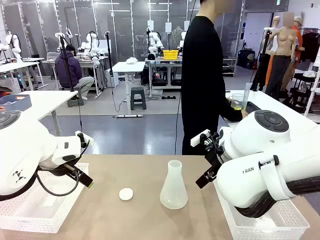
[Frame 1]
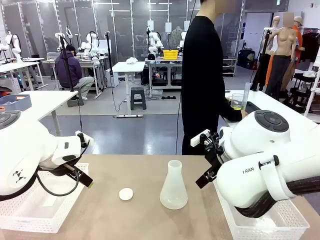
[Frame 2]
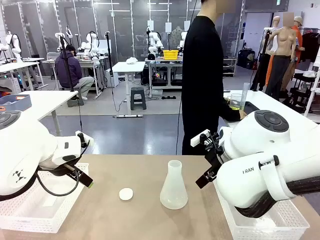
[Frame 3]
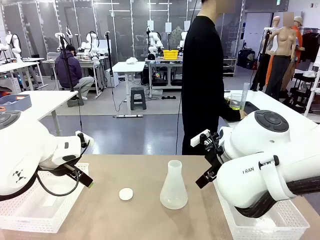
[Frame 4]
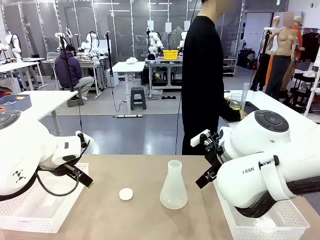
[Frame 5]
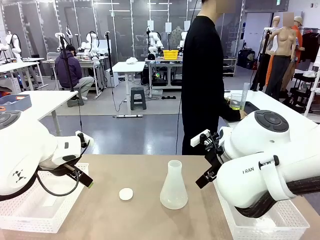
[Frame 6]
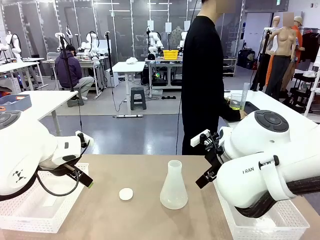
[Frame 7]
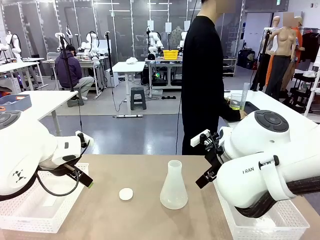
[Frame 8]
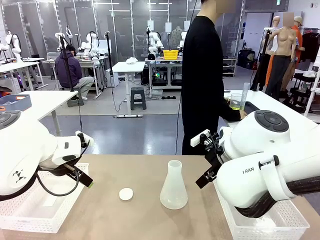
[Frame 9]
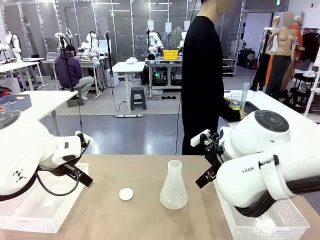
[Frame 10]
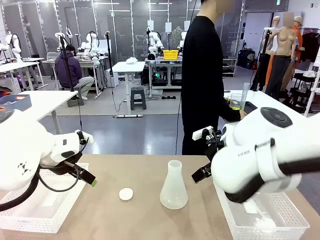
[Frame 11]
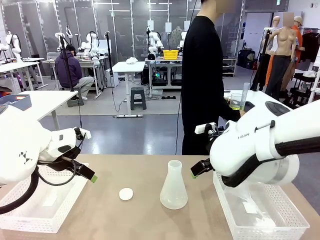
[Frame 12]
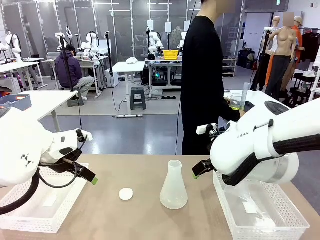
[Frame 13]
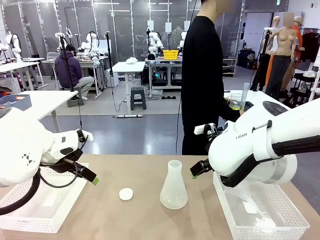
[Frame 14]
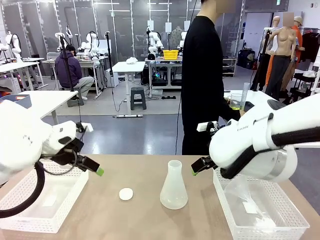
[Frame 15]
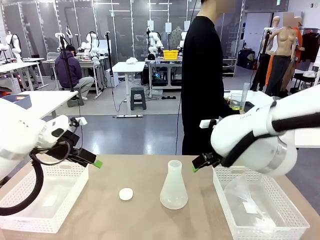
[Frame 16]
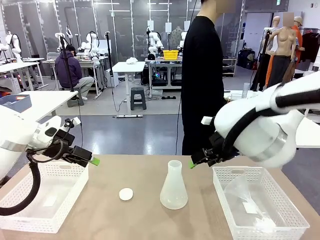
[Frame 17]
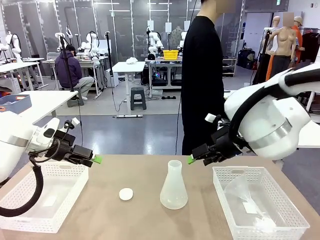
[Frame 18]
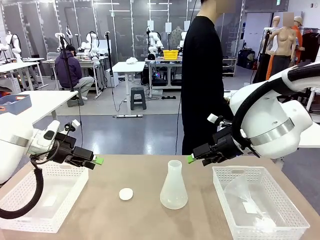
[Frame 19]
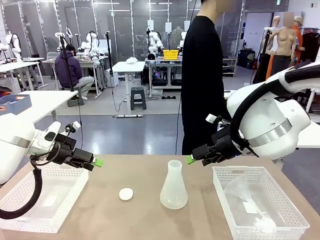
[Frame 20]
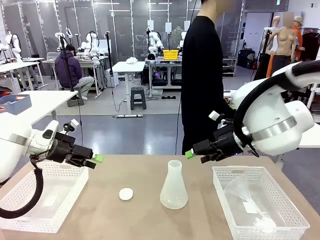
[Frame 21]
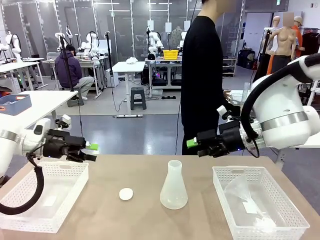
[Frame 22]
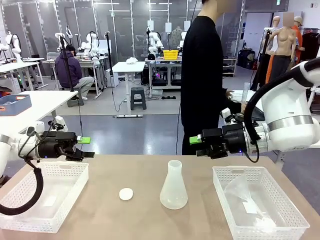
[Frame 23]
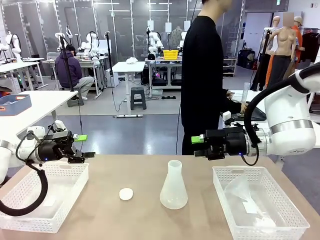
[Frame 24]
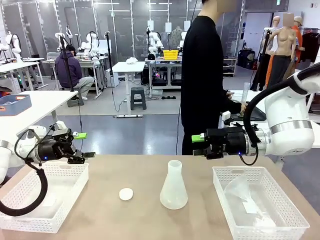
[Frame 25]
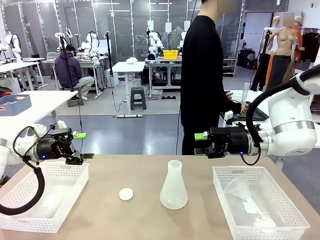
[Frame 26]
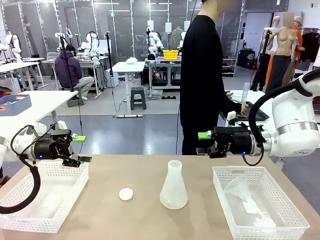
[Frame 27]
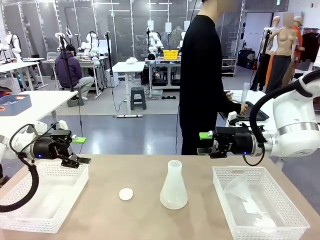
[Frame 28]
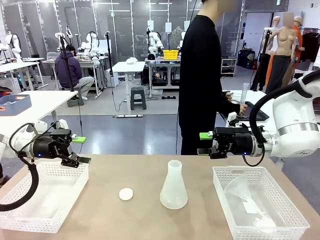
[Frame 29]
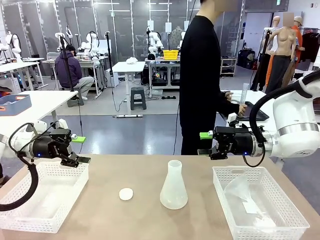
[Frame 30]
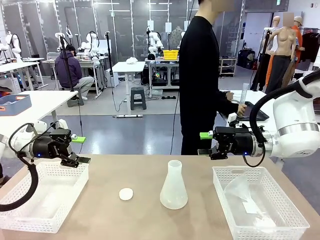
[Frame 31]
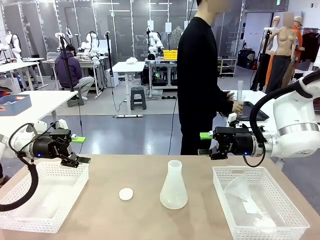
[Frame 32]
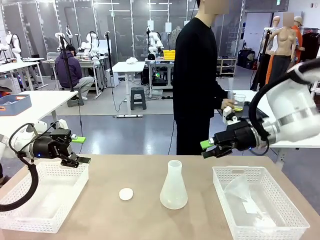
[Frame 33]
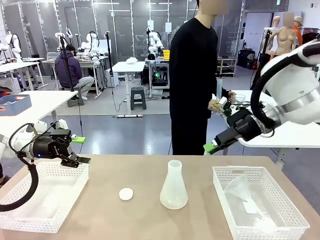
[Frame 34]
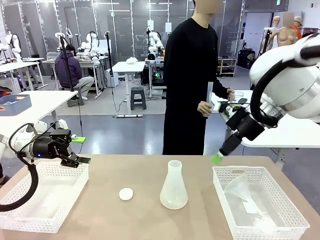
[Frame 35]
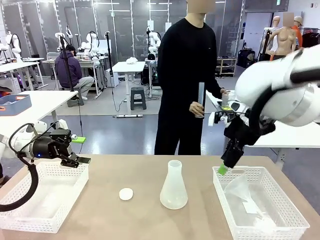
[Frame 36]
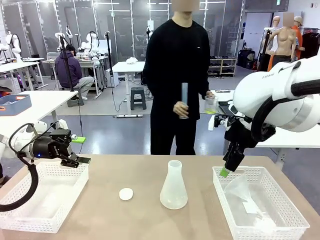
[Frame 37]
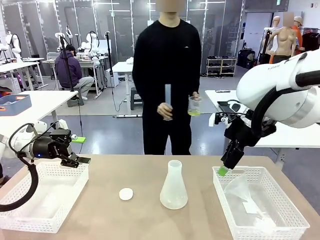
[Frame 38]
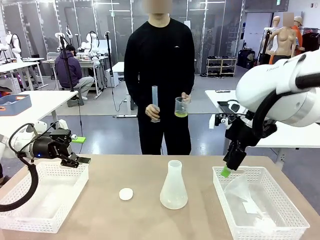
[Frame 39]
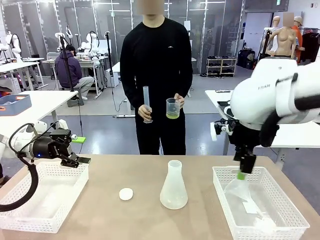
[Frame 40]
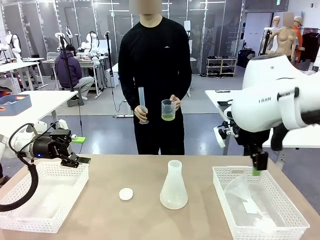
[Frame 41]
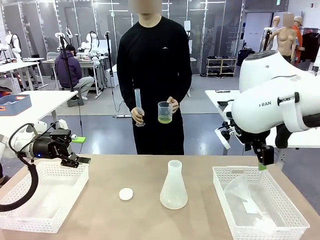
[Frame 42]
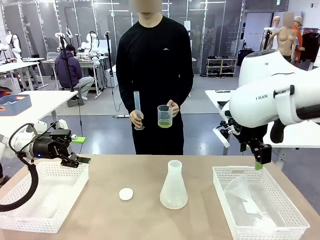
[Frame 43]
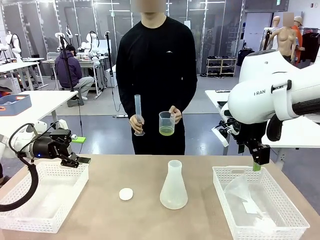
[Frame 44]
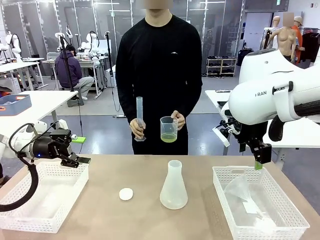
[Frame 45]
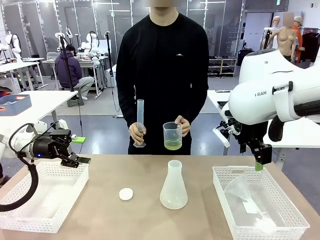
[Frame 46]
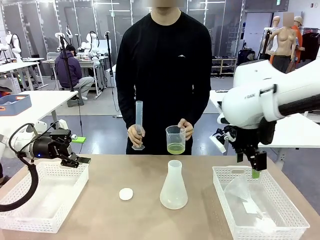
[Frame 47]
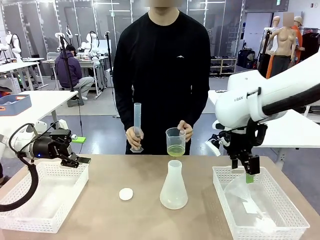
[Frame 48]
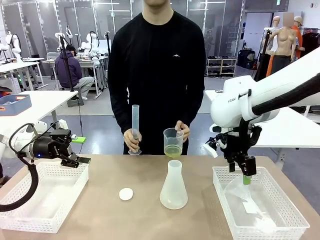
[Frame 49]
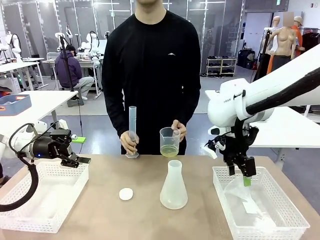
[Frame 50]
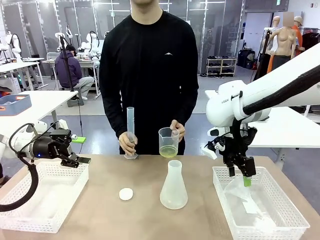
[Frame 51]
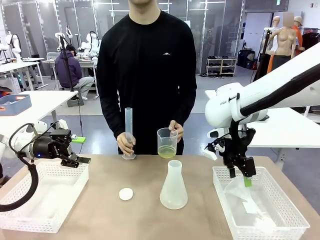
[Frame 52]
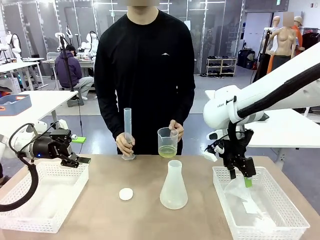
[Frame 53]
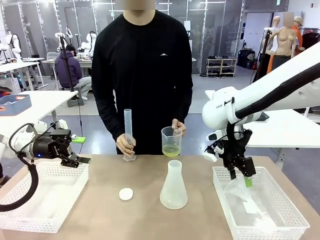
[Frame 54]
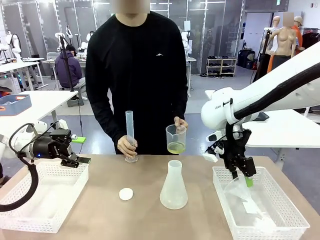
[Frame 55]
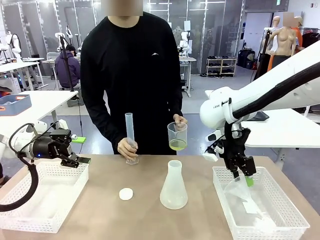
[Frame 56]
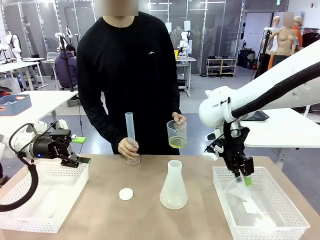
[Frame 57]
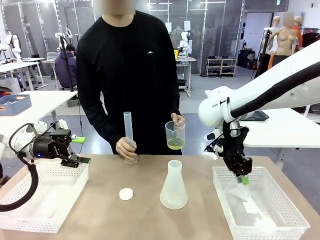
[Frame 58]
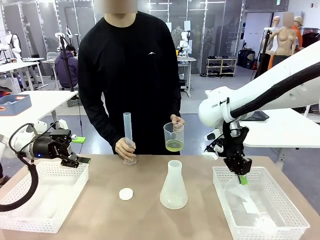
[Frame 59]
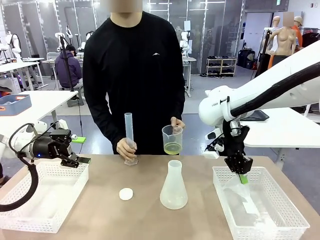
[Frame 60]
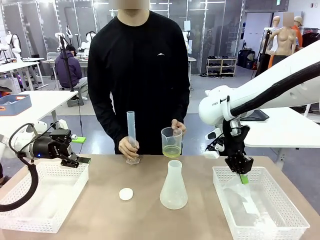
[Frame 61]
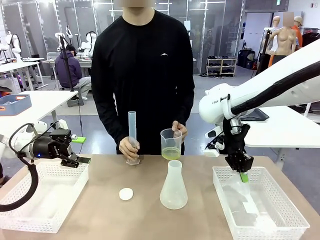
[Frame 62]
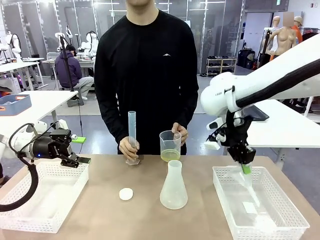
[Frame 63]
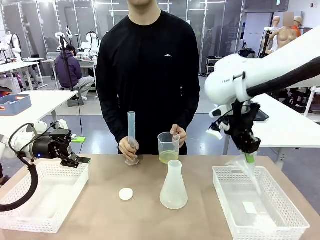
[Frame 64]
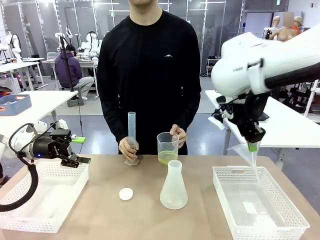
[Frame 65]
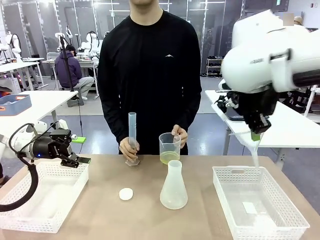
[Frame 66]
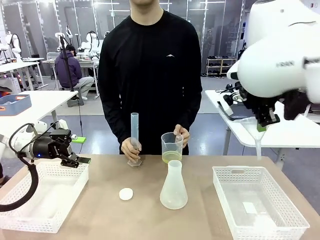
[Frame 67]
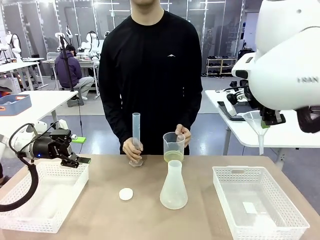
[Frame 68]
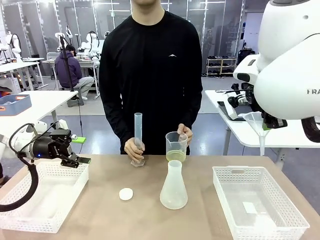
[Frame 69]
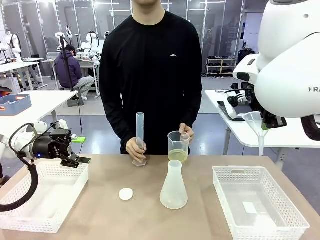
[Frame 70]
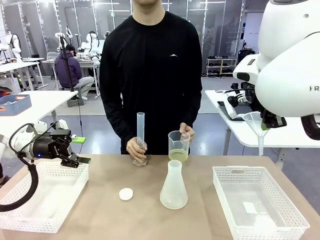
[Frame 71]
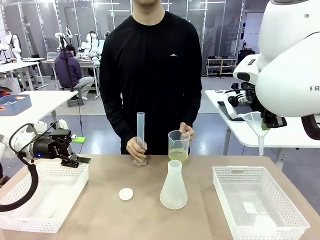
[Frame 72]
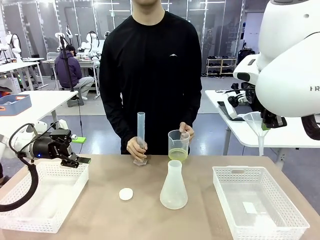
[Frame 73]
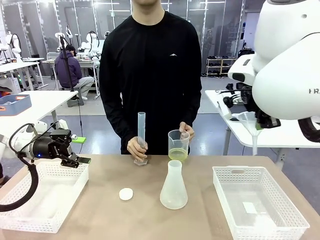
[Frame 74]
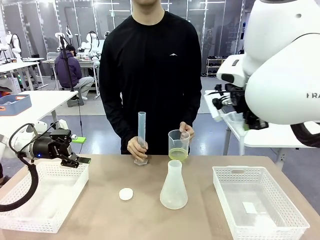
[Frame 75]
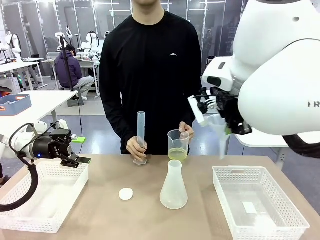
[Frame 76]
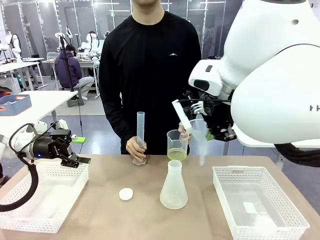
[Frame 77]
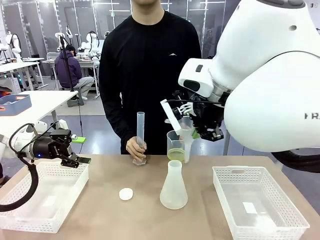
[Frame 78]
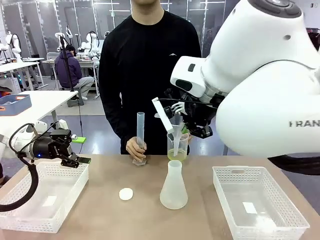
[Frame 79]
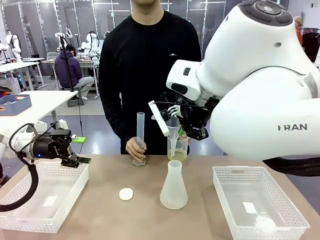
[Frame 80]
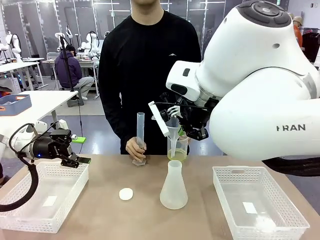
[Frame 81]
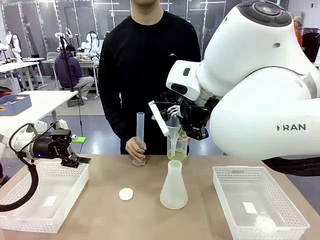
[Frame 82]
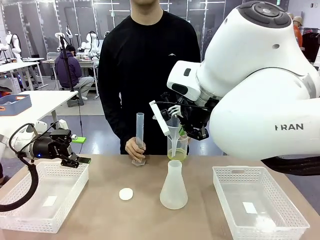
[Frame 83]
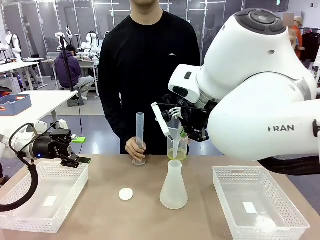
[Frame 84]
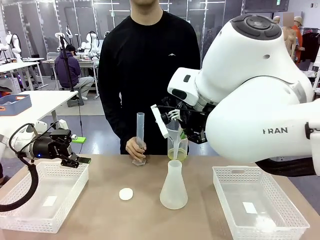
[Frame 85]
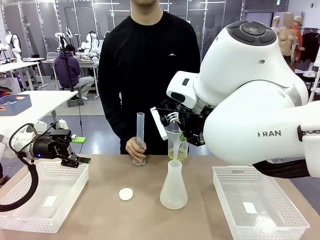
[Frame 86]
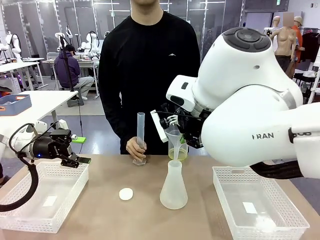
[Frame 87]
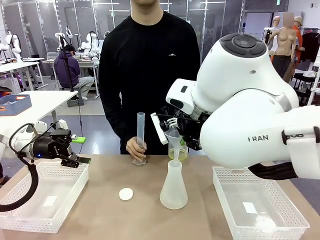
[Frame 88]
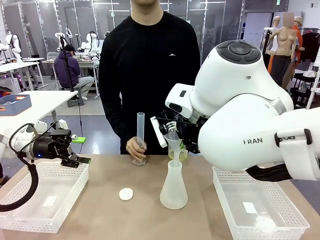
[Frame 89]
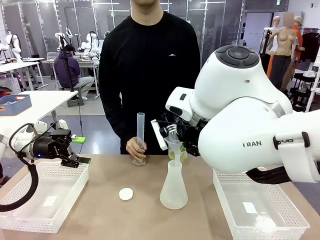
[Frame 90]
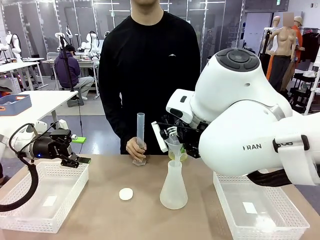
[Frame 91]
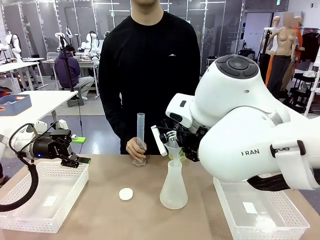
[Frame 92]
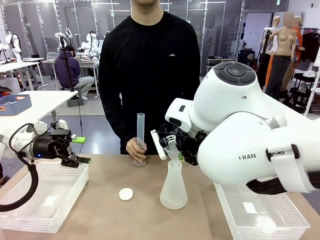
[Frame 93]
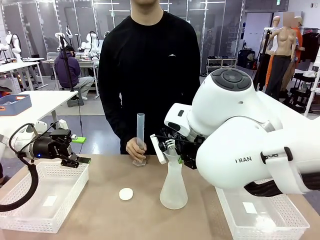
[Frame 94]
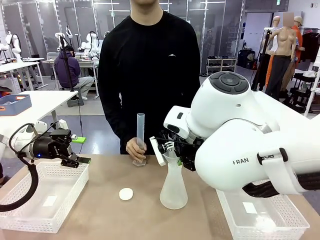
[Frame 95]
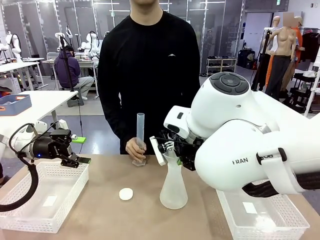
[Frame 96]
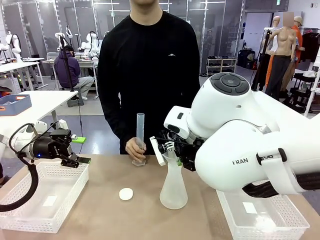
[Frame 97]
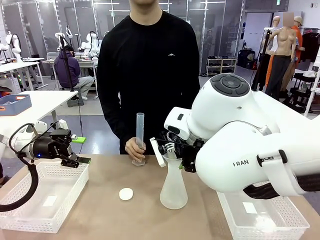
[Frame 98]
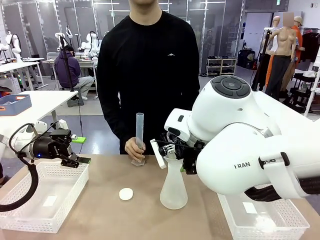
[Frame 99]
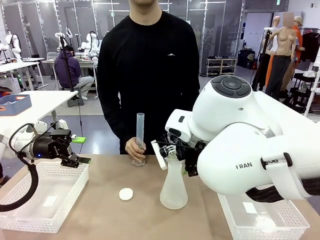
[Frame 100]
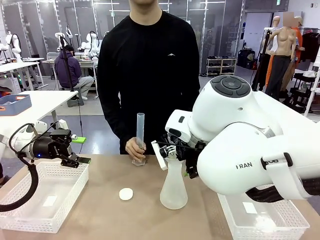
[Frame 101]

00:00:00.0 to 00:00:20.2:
Task: Prepare the solutions needed for the experiment.
Robot: Pick up the Plastic Funnel and insert it into the Big flask.
Person: Pick up the beaker and the cylinder and move to the middle of the robot table. Pour the solution from the beaker and the cylinder into the flask.
